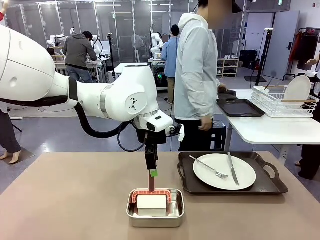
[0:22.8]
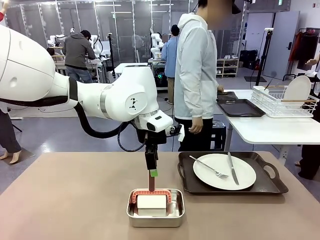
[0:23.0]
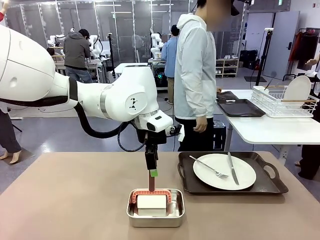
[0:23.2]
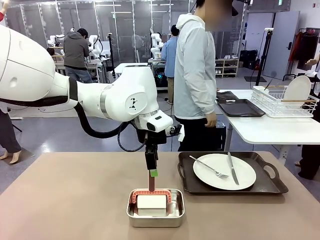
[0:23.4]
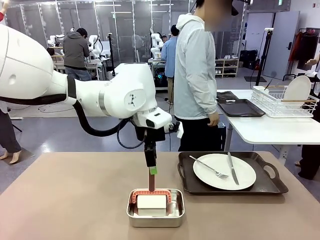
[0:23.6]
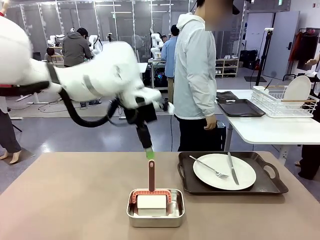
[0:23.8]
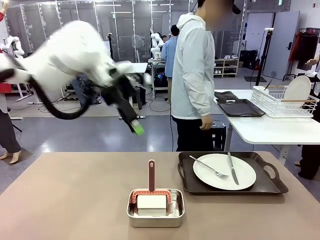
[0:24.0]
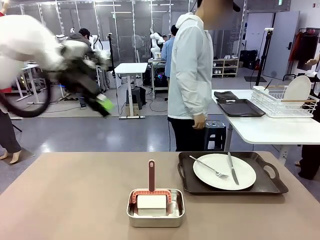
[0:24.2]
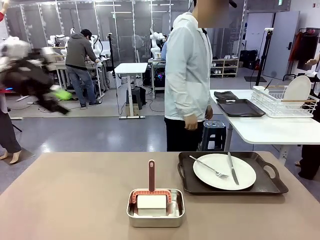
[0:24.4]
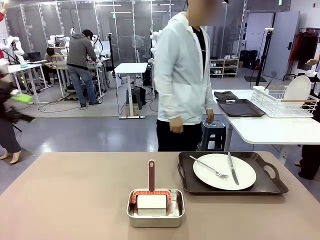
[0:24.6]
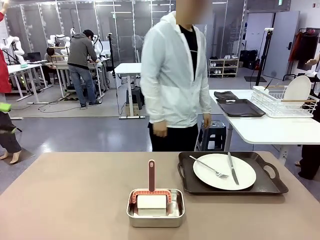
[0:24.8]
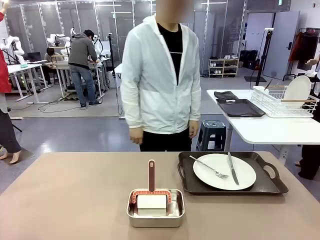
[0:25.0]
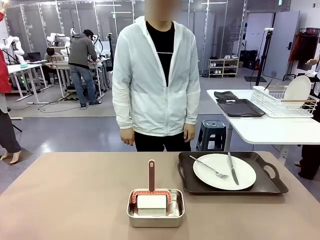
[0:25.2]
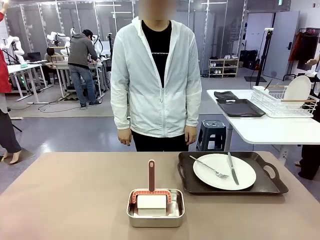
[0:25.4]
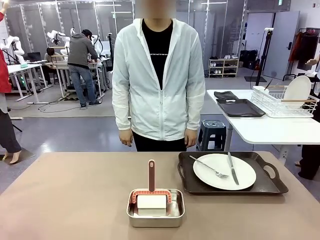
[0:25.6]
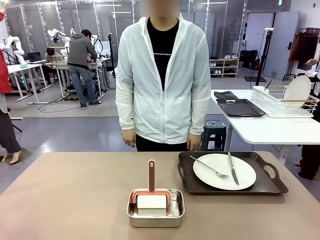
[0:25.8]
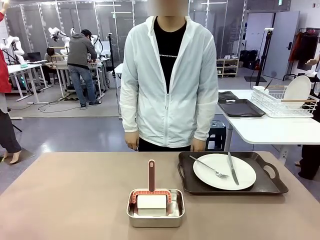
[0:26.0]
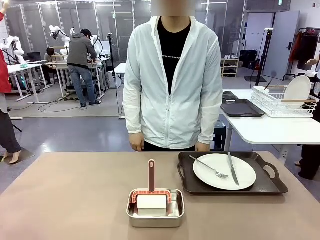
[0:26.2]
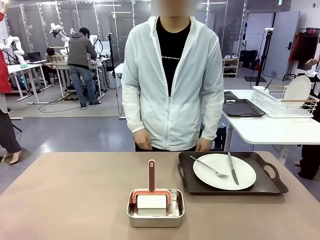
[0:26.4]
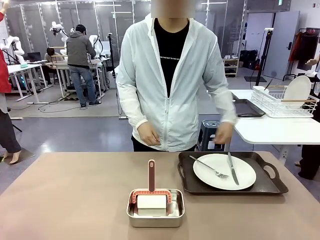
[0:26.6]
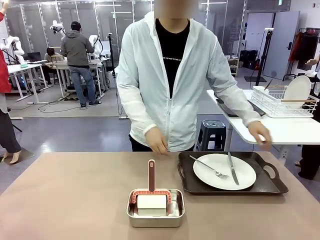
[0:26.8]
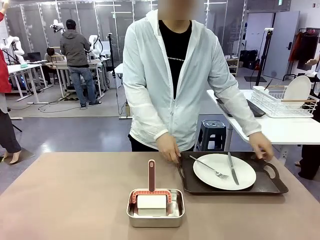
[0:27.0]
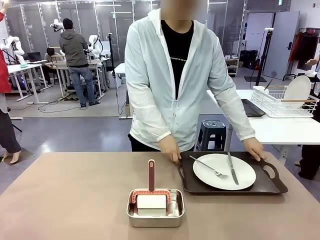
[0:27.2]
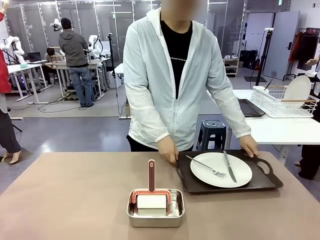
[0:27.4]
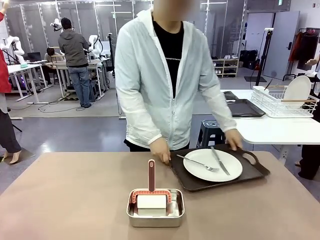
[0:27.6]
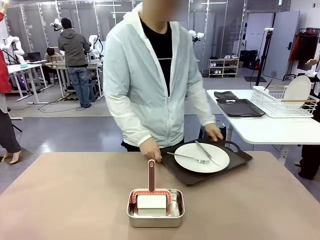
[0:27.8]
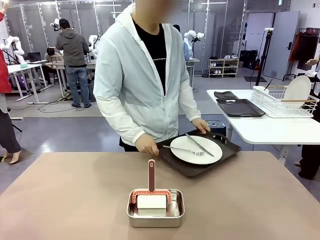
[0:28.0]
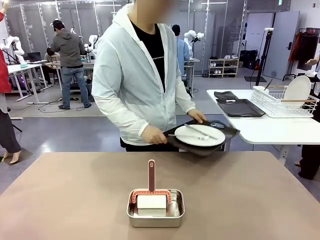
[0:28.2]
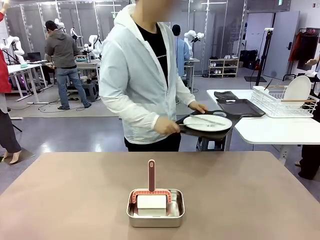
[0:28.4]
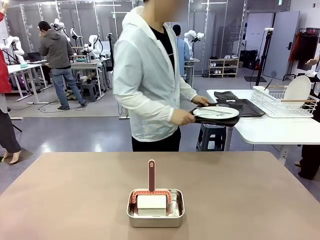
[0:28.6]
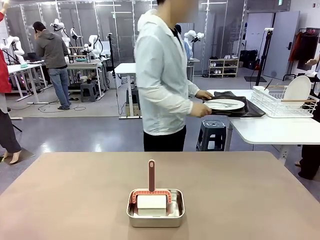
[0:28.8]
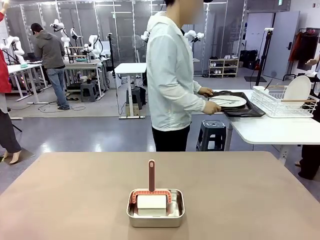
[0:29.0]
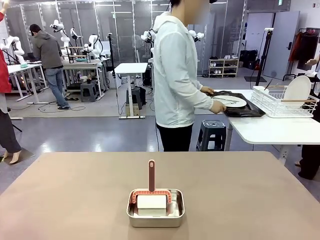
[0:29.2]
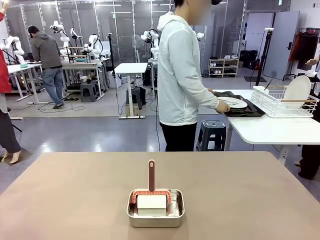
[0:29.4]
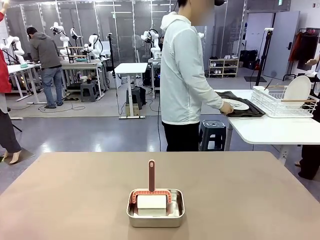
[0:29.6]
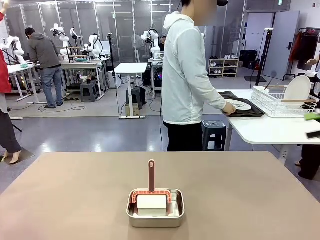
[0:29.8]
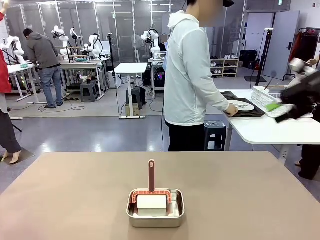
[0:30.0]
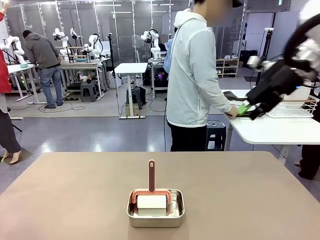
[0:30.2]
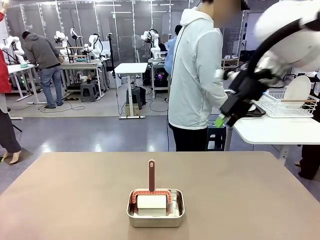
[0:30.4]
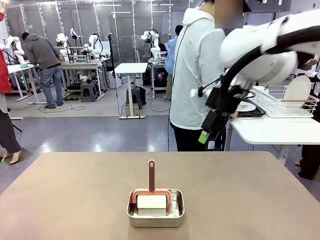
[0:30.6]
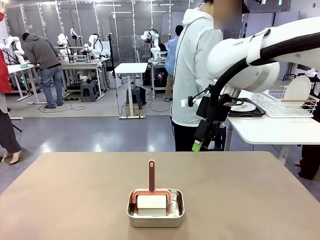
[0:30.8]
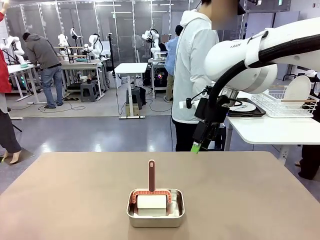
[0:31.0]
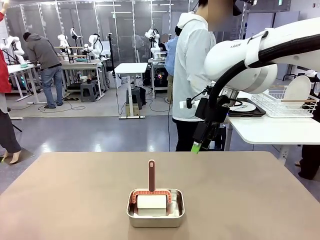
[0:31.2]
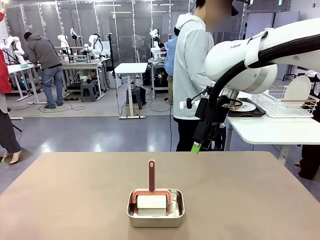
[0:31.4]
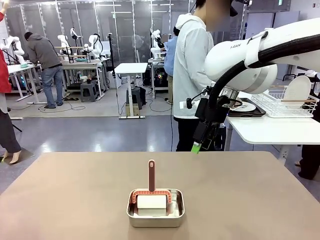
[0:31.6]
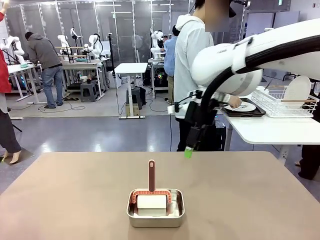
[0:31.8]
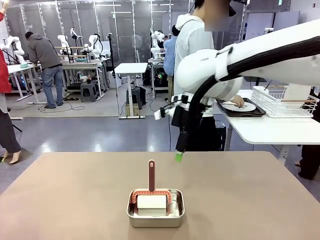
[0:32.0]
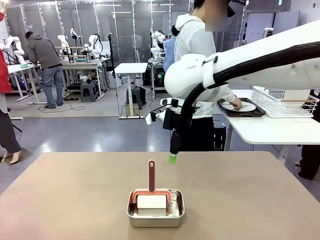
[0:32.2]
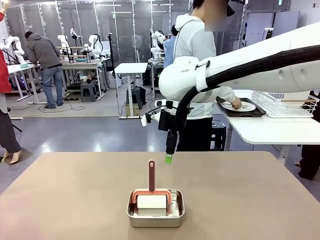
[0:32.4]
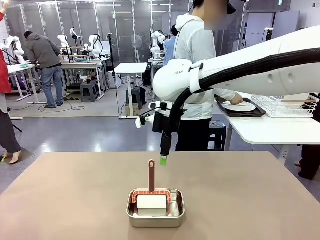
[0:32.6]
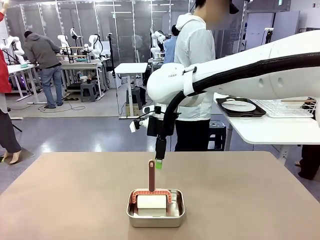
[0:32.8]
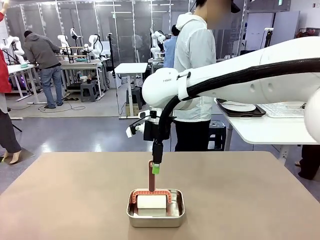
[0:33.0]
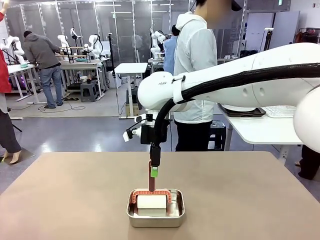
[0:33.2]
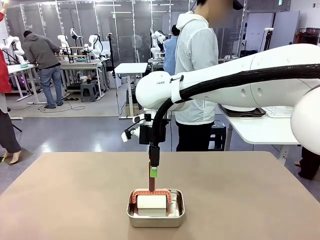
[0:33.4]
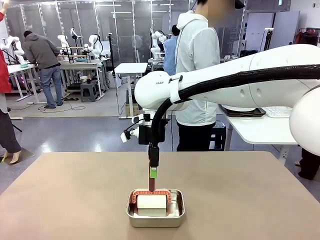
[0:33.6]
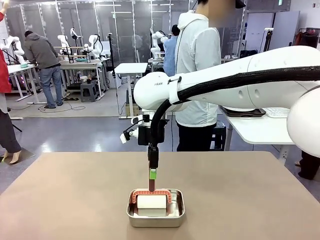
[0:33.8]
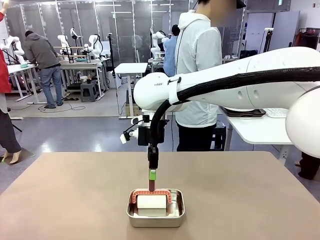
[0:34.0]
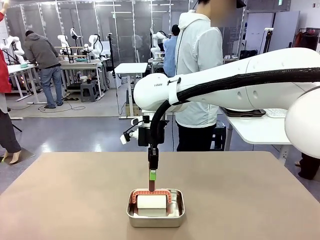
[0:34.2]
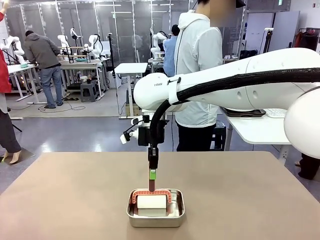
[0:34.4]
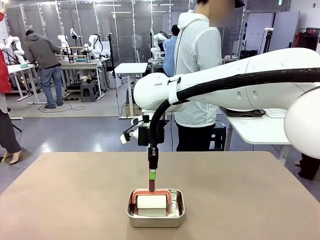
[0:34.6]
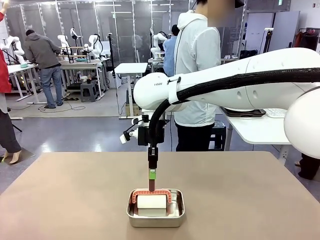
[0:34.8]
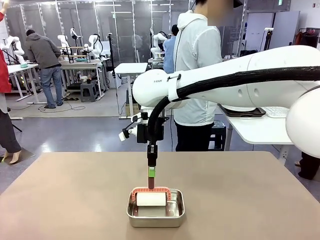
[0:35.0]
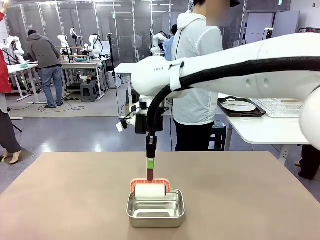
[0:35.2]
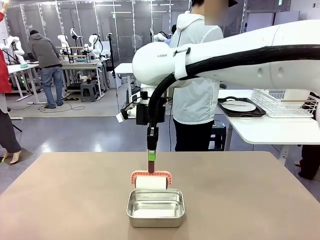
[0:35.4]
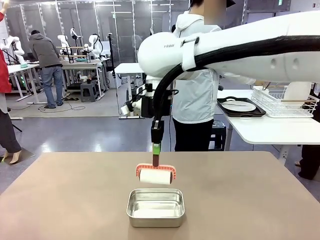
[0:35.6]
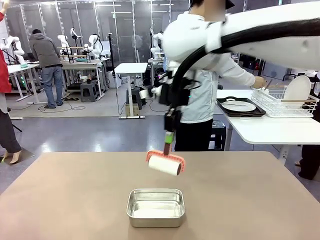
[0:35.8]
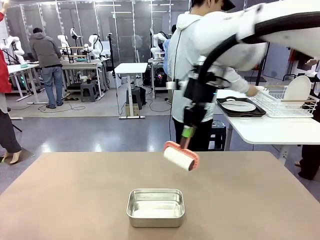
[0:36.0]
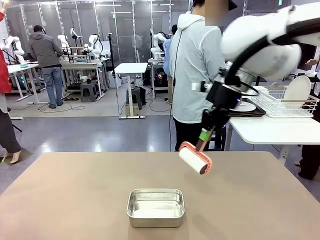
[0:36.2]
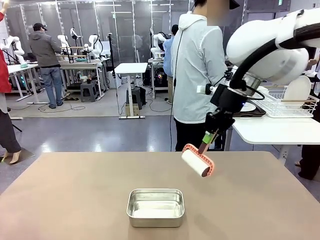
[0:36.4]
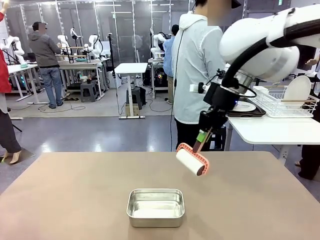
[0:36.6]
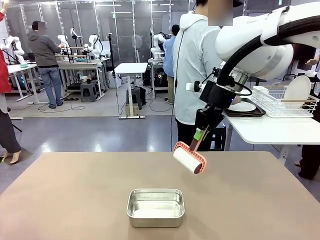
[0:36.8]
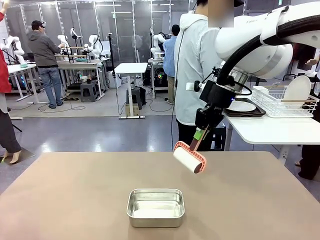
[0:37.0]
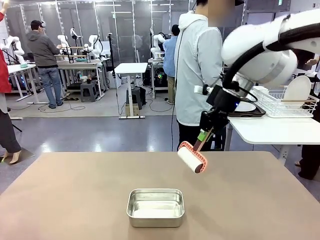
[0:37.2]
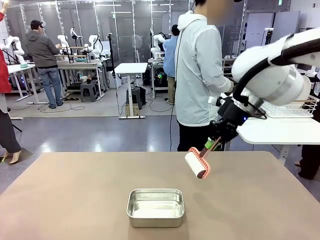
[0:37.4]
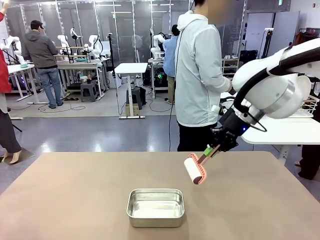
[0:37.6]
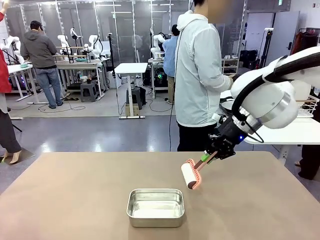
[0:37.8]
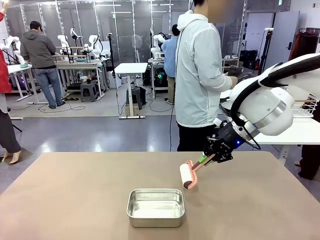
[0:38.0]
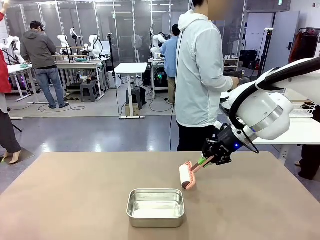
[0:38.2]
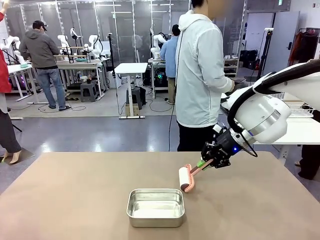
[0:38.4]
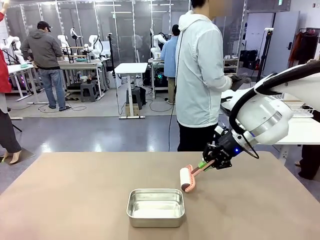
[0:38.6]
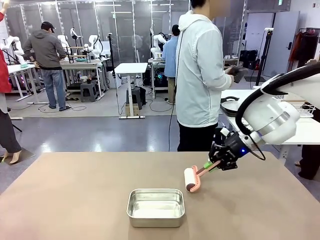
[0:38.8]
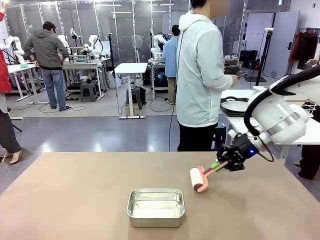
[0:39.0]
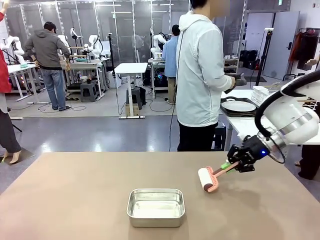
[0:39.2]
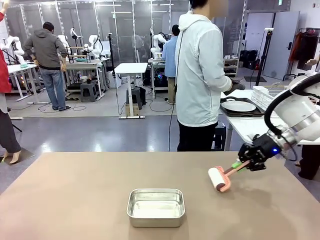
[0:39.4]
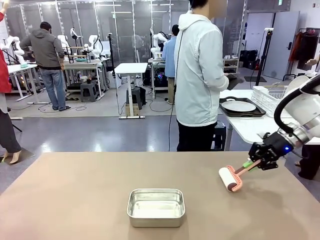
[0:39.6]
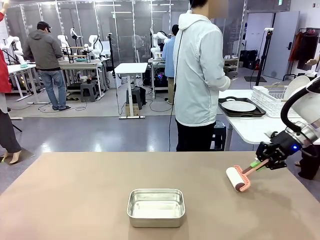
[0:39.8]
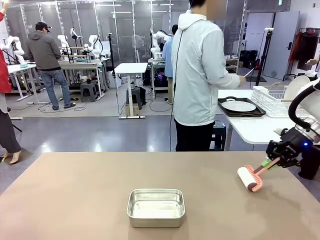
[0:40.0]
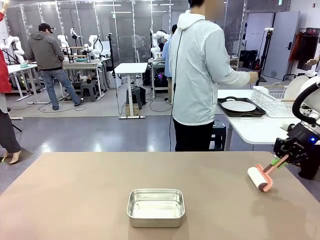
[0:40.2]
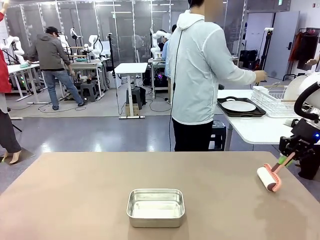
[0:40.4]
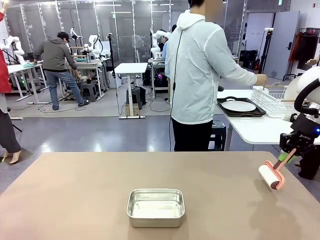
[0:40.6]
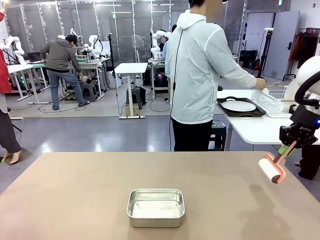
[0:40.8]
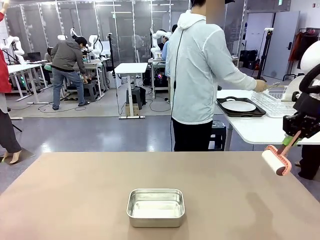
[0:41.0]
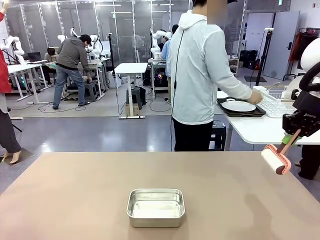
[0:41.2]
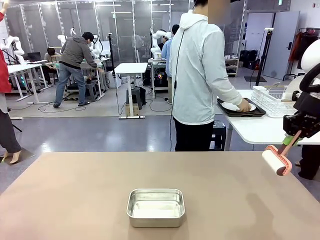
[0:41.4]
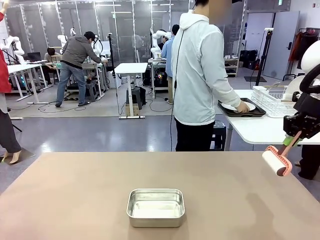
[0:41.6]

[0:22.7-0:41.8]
Robot: When the right (or left) Handle tray is removed, use the right hand (or left hand) to clean the right (or left) side of the table with the Lint Roller.
Person: Pick up the left (or right) Handle tray and place it on the Handle tray.

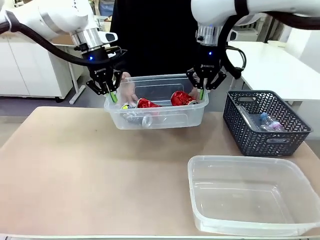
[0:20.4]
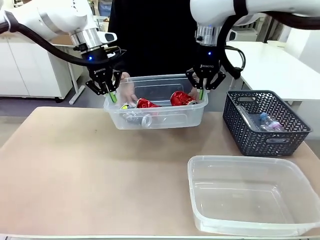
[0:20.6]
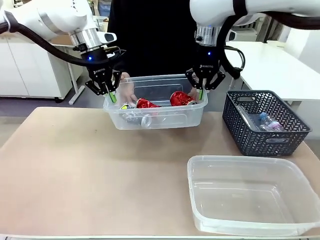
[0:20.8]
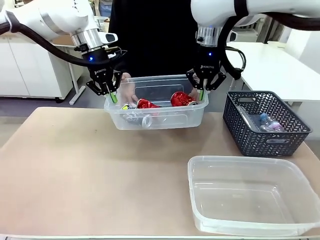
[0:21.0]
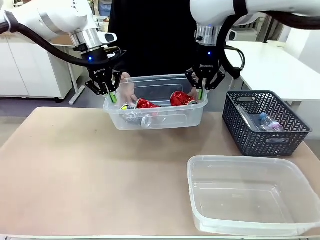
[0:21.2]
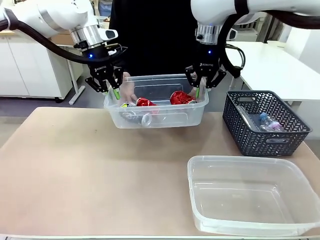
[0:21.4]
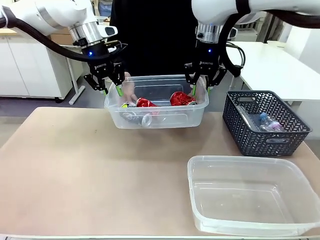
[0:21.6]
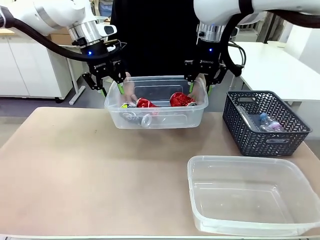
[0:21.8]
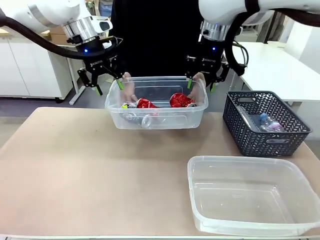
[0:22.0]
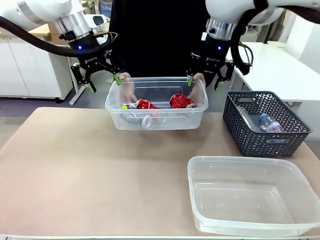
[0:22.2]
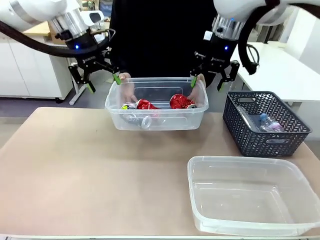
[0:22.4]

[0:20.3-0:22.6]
Robot: Release the Organizing box you were holding.
